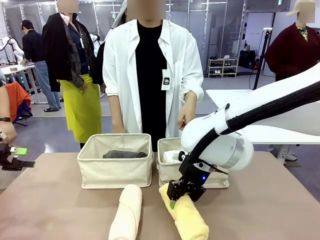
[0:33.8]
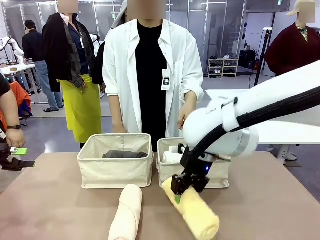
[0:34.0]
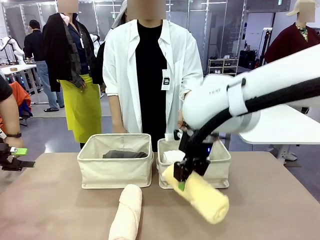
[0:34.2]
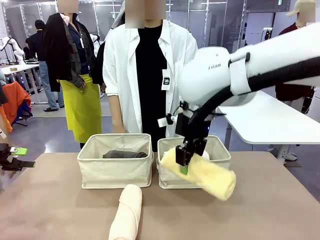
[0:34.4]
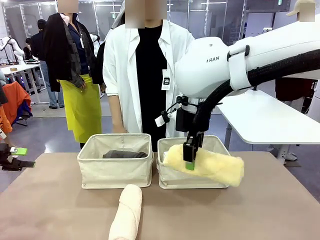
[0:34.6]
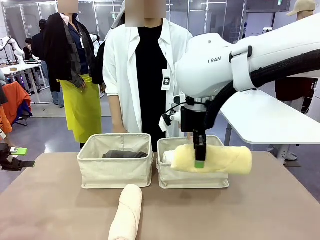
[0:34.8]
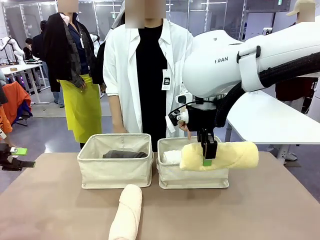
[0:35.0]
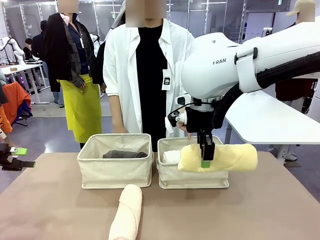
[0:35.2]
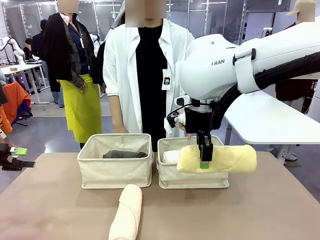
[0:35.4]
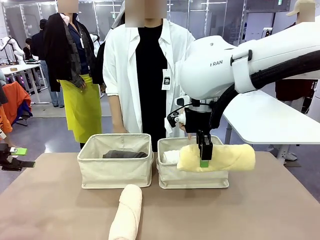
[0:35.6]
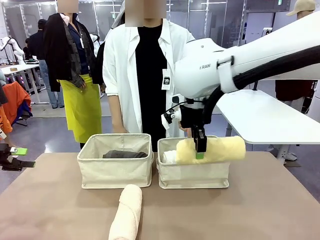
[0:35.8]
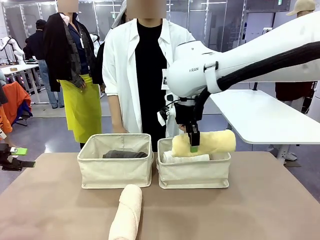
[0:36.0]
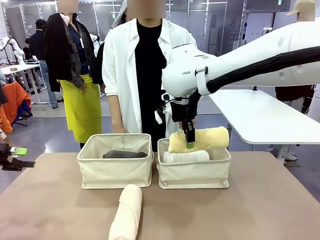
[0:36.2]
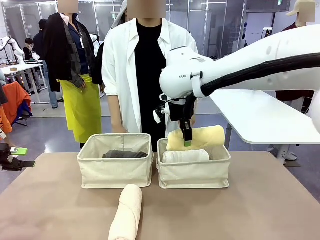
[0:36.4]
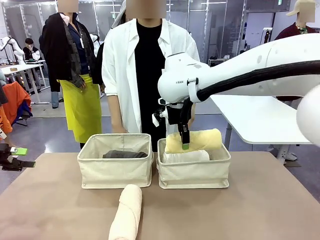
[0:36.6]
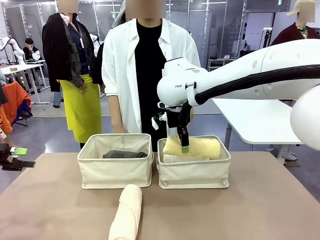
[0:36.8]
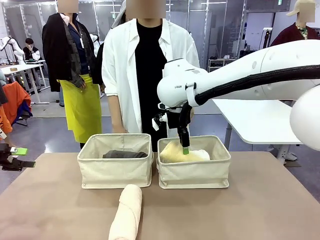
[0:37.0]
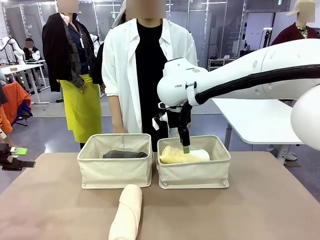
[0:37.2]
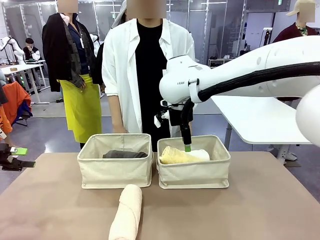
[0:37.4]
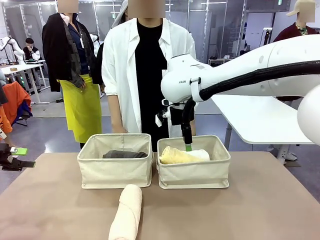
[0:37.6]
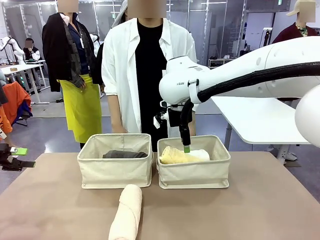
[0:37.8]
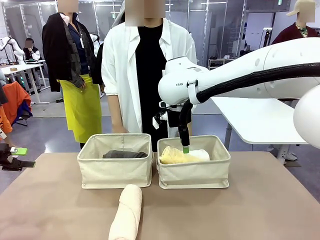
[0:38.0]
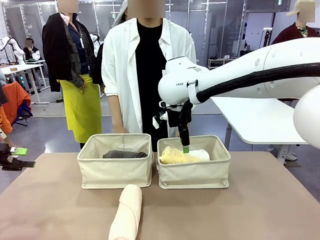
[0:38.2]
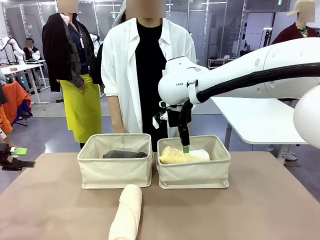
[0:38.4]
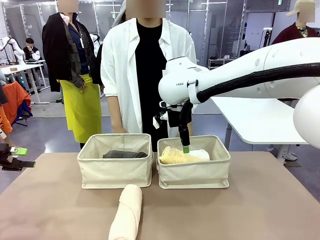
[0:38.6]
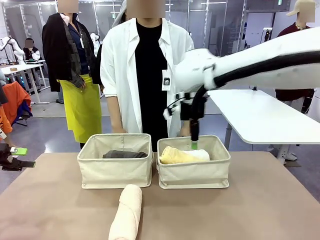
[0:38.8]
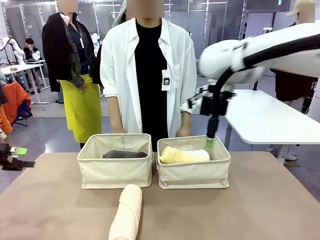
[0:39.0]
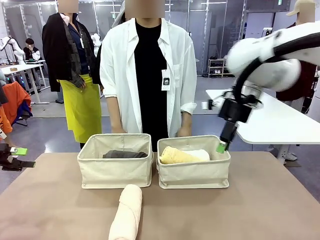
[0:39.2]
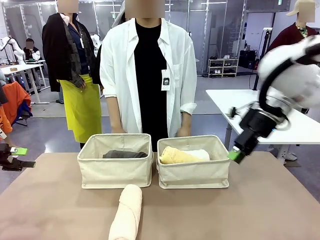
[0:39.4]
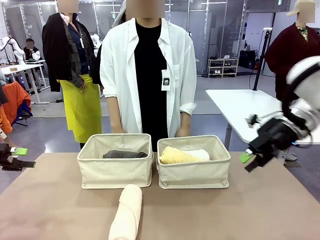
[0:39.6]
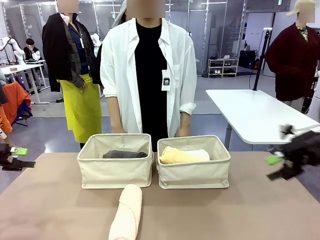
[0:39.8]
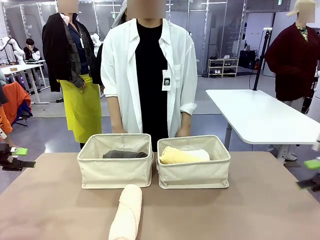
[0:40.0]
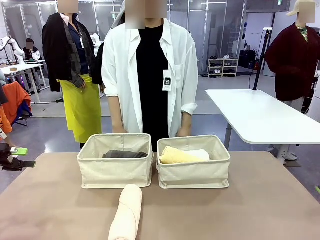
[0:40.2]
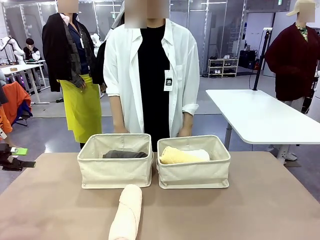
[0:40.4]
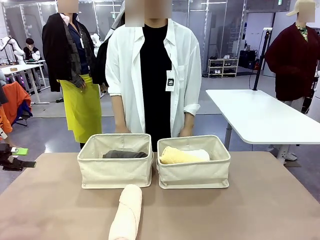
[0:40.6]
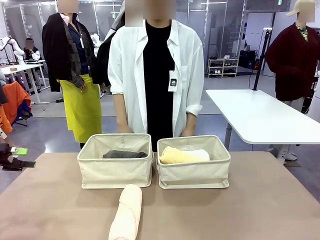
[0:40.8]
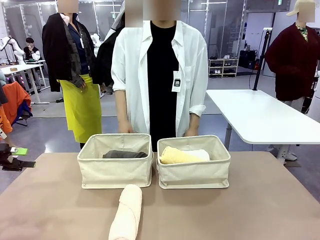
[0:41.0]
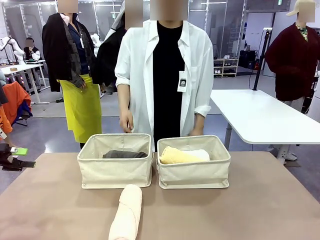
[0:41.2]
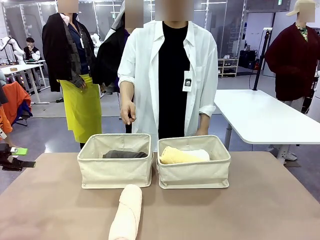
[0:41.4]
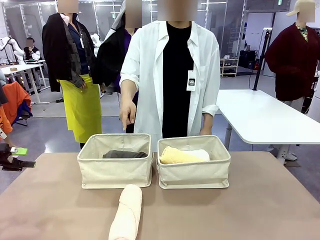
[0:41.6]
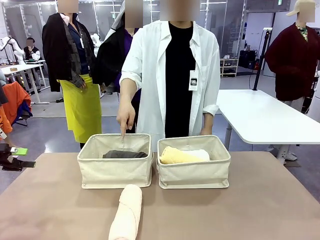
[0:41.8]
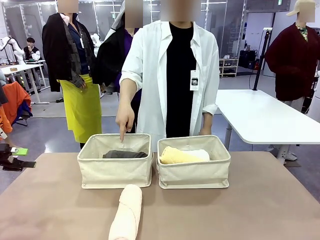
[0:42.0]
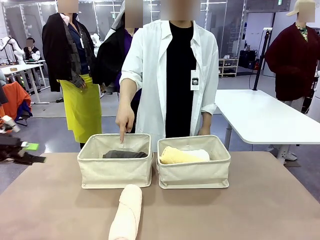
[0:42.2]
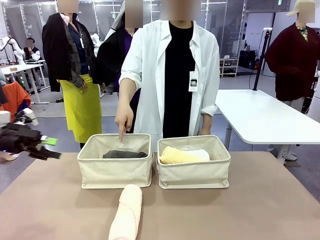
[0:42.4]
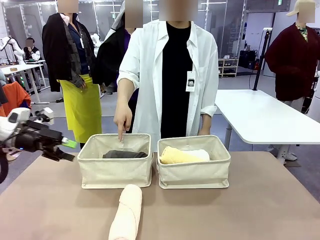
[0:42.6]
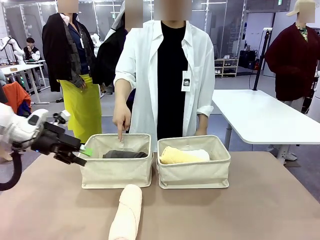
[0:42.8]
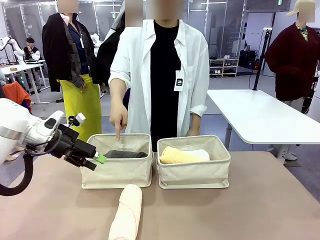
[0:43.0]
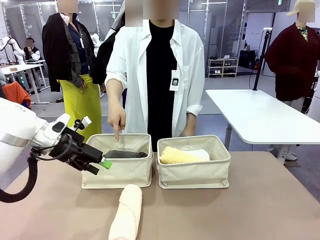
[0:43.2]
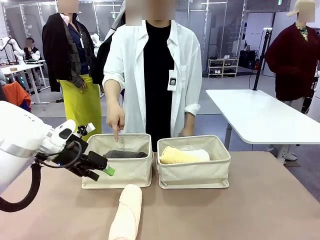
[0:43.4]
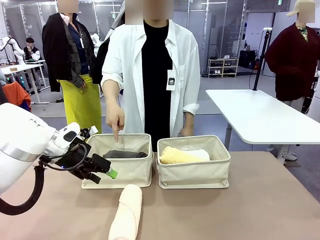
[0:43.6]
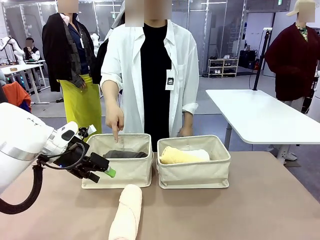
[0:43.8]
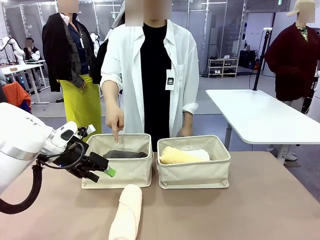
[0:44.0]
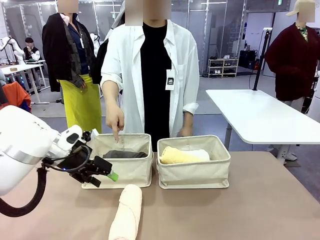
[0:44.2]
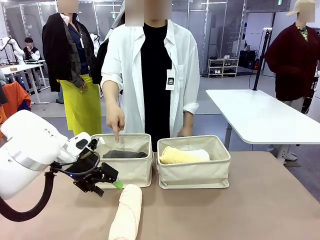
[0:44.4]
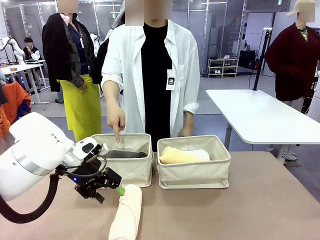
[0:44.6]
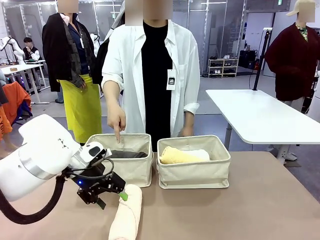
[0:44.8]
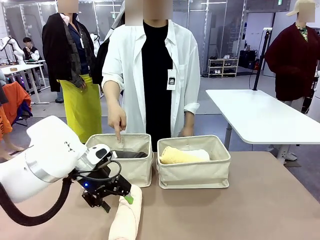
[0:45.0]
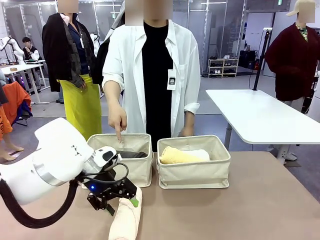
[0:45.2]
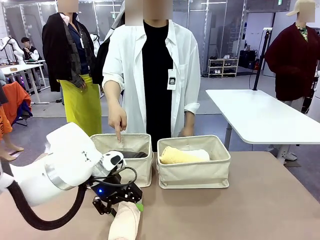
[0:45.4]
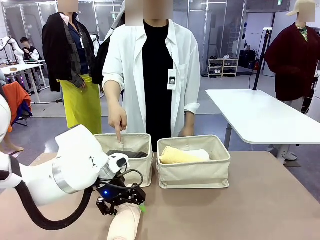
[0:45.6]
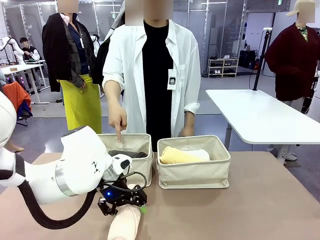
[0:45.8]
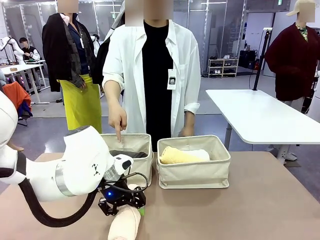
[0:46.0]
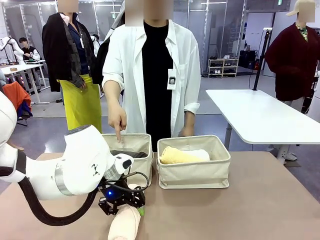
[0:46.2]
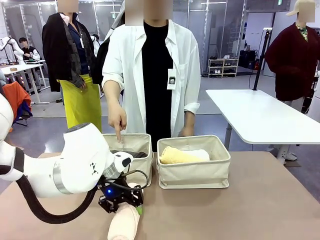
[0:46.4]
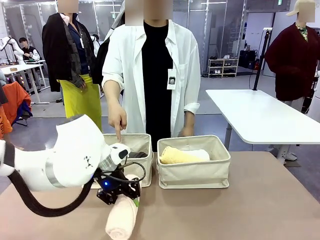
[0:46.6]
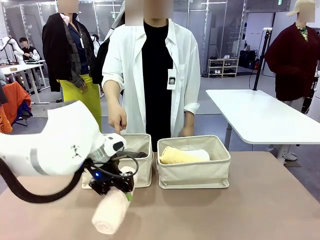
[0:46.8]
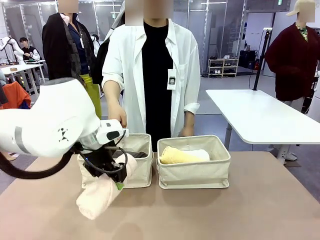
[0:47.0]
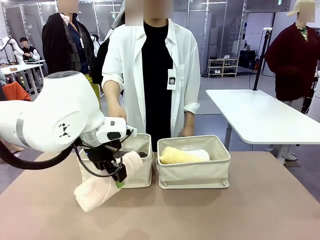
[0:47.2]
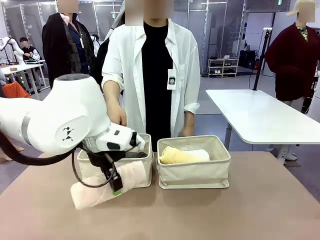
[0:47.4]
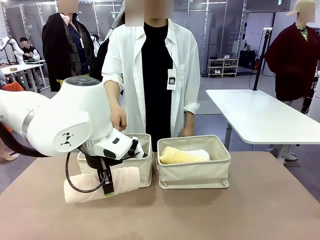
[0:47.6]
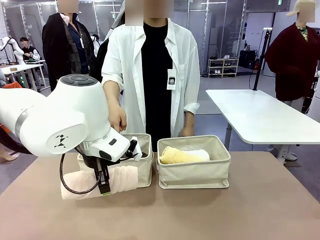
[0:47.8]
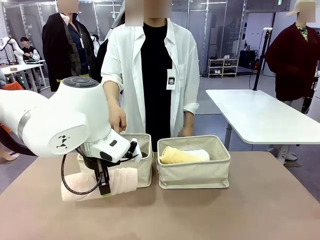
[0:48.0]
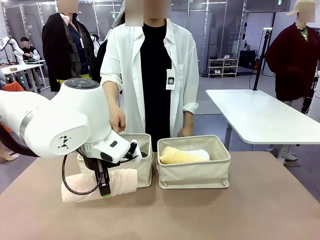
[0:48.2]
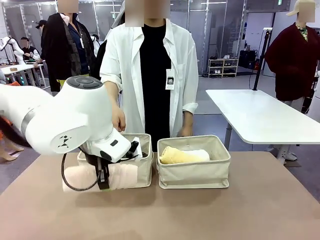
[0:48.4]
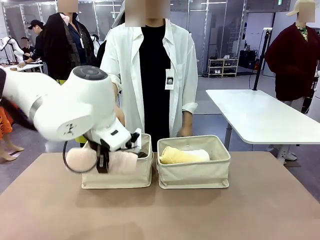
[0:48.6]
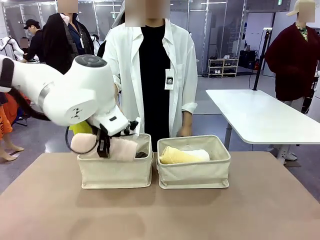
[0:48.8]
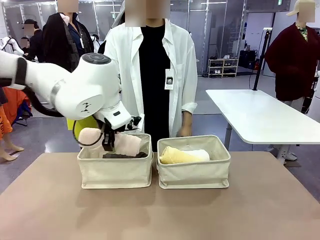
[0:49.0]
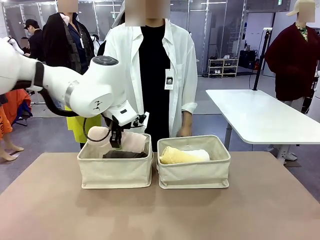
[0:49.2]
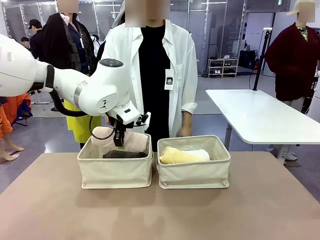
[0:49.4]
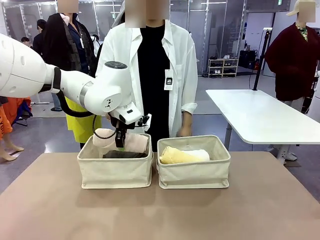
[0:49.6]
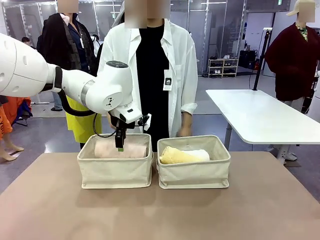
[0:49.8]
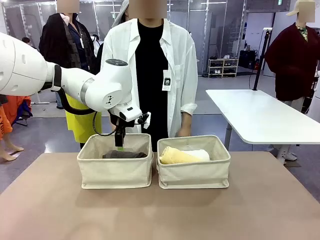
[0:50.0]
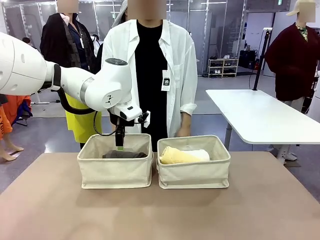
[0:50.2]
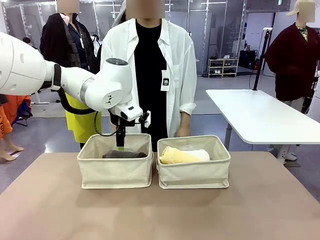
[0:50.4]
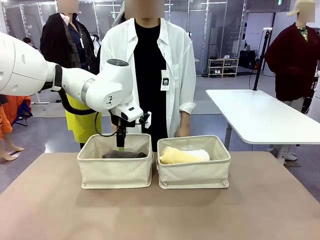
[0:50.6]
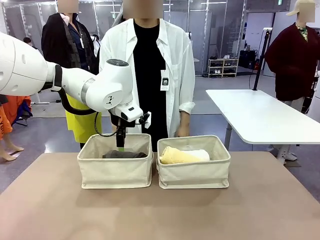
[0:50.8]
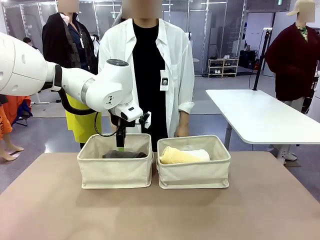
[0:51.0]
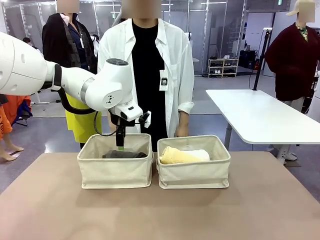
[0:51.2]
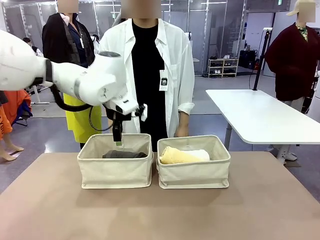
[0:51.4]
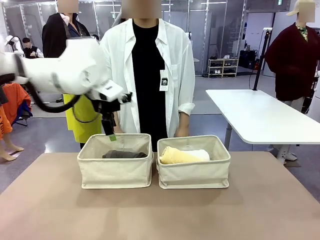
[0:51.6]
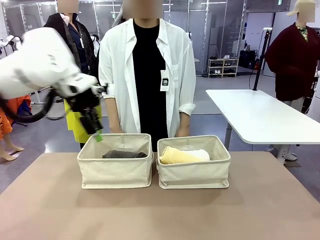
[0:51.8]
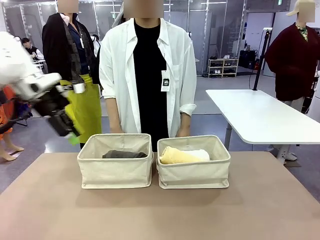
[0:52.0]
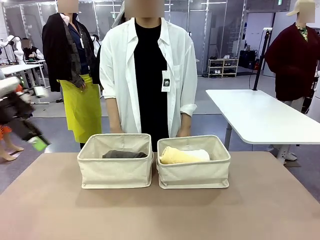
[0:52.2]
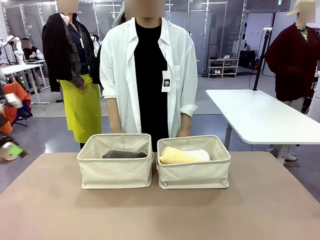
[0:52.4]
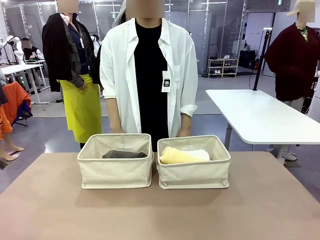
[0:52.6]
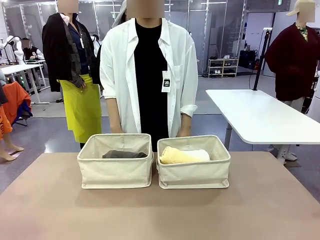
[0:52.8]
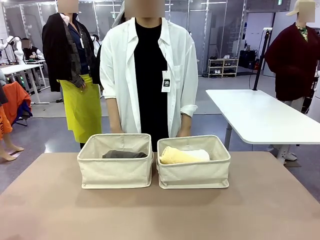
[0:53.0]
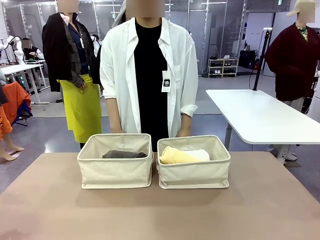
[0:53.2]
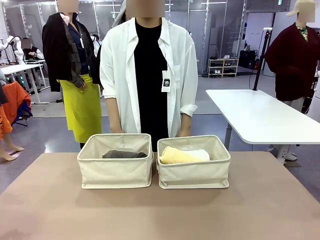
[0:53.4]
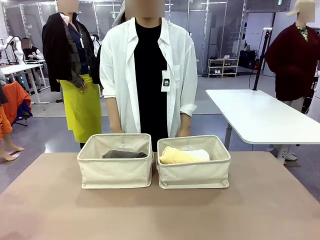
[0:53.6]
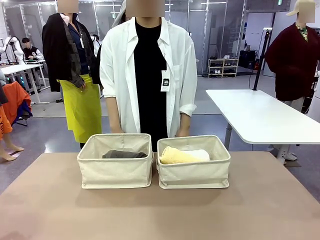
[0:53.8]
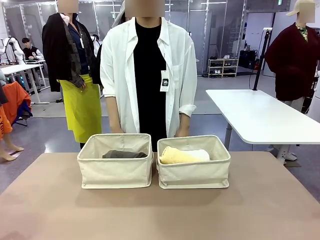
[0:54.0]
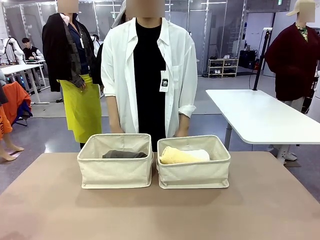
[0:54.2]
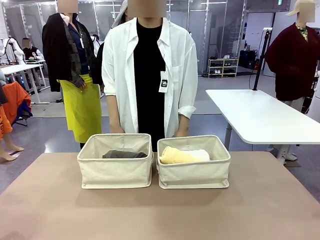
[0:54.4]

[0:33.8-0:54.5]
Task: Divide the towels into two baskets.
Robot: Pick up one hotel-folded towel from the bottom of the table and place it in the Fabric basket indicated by the person.
